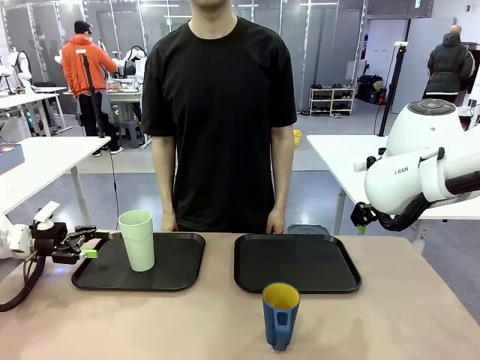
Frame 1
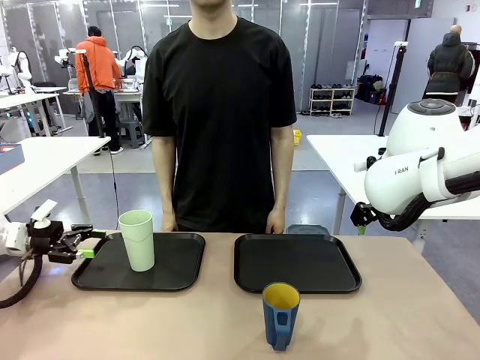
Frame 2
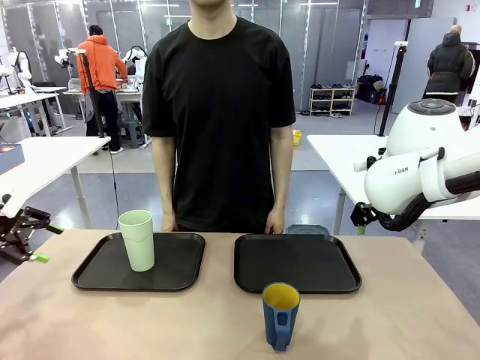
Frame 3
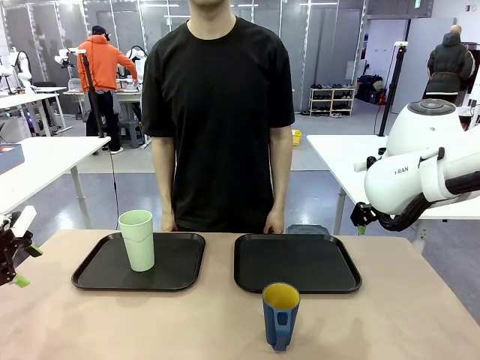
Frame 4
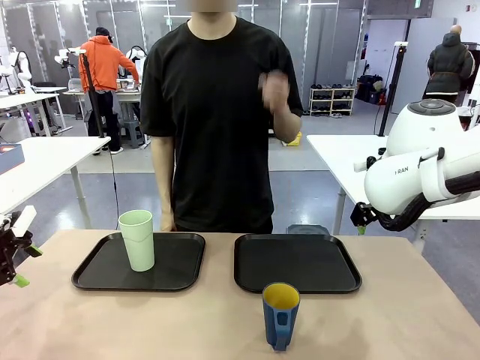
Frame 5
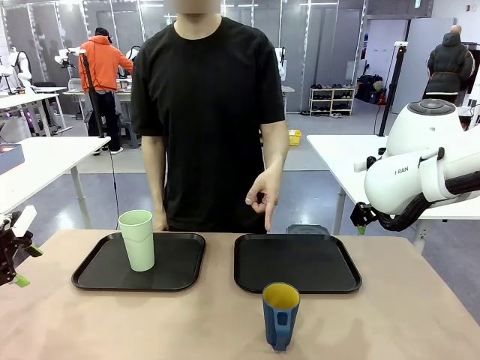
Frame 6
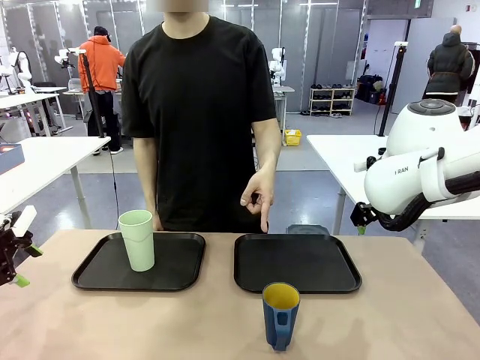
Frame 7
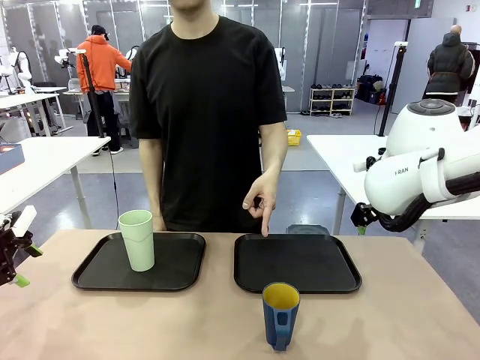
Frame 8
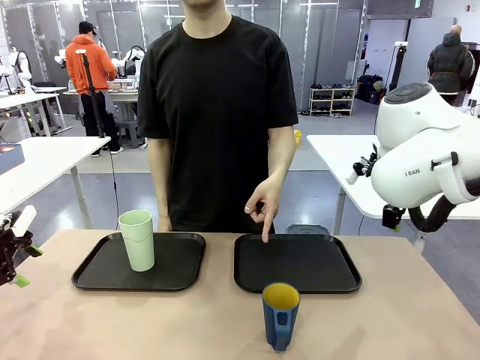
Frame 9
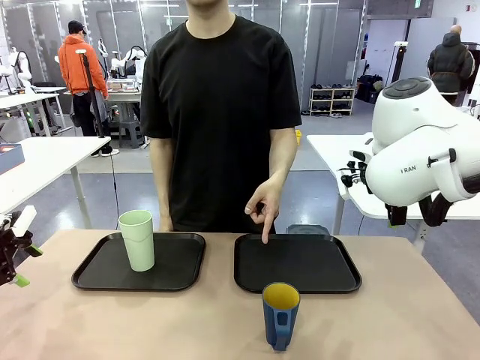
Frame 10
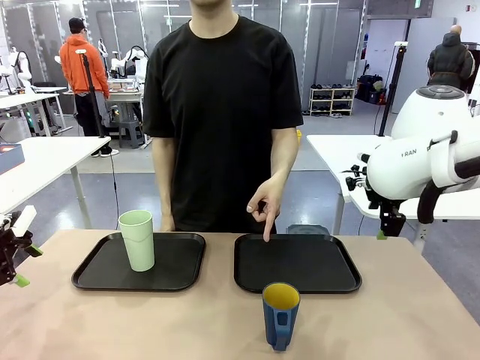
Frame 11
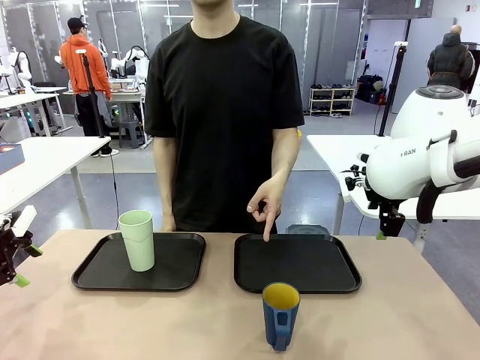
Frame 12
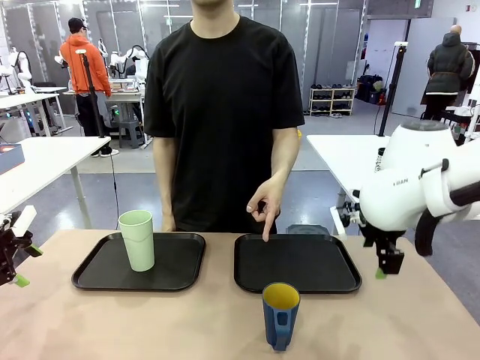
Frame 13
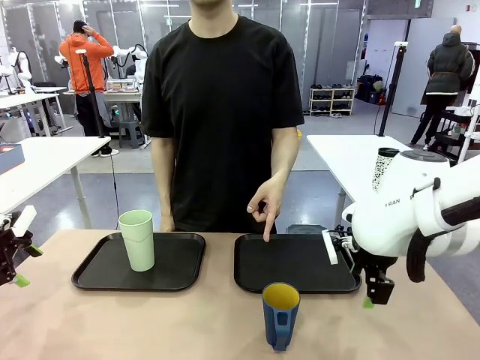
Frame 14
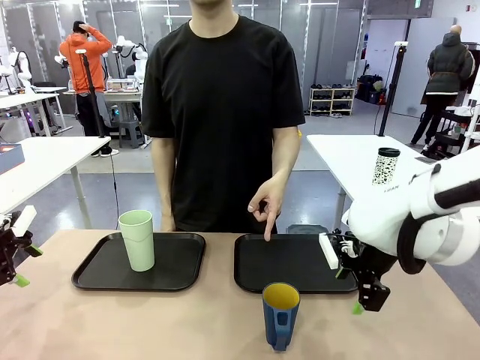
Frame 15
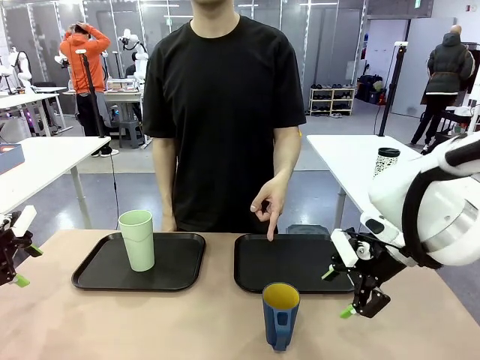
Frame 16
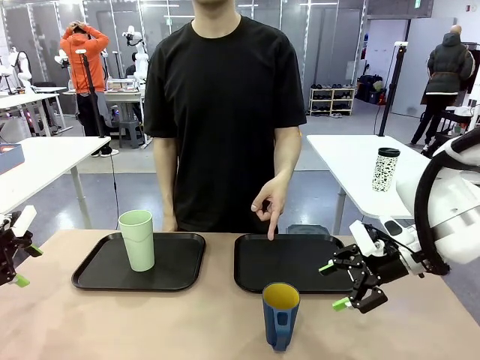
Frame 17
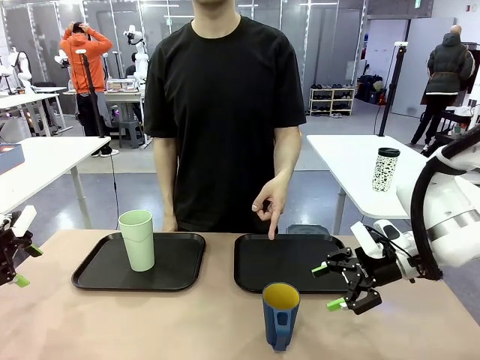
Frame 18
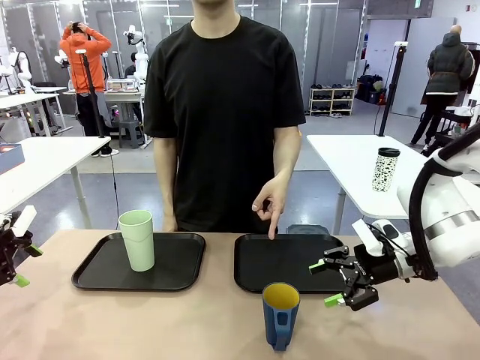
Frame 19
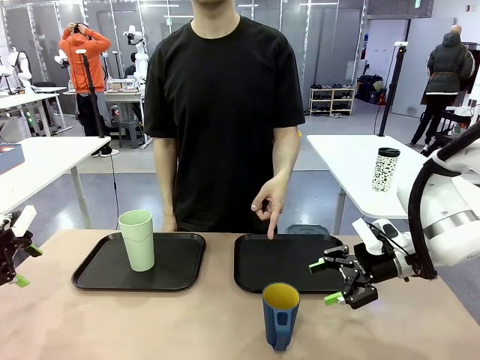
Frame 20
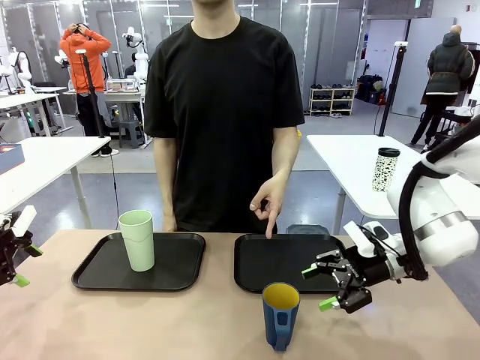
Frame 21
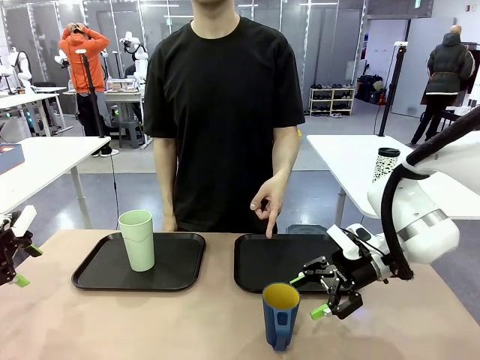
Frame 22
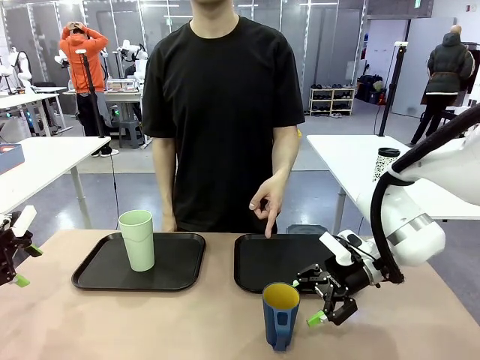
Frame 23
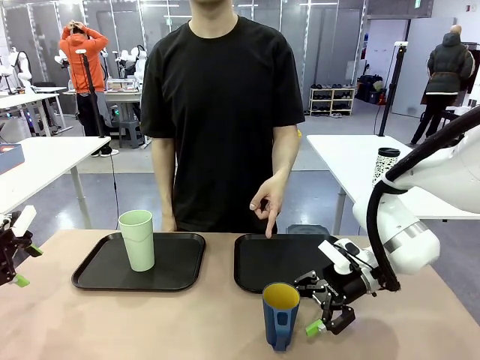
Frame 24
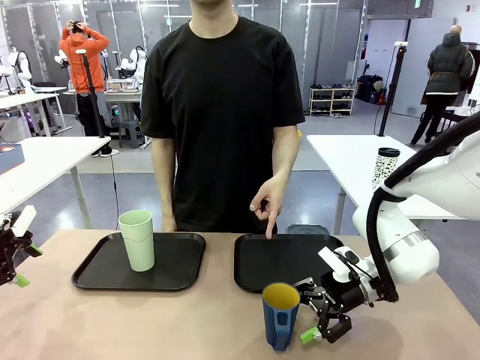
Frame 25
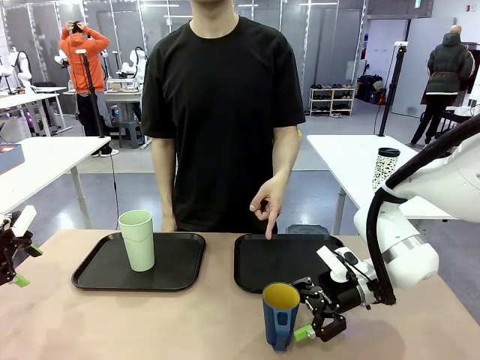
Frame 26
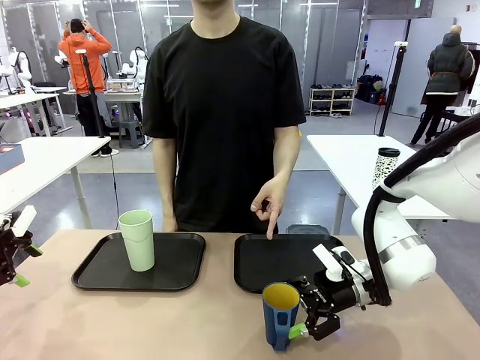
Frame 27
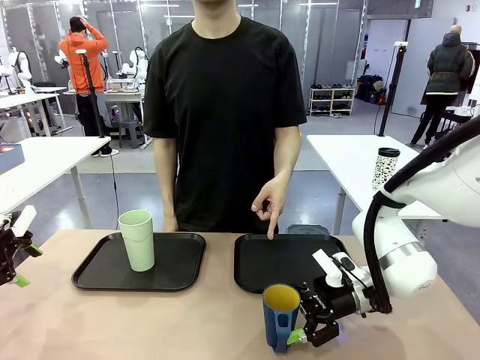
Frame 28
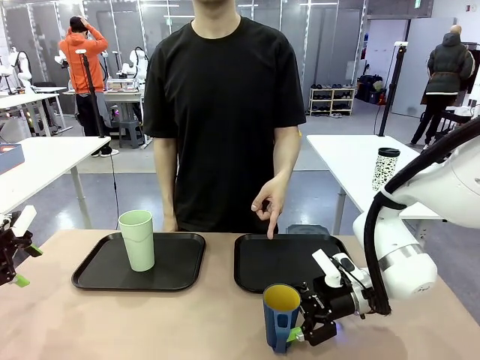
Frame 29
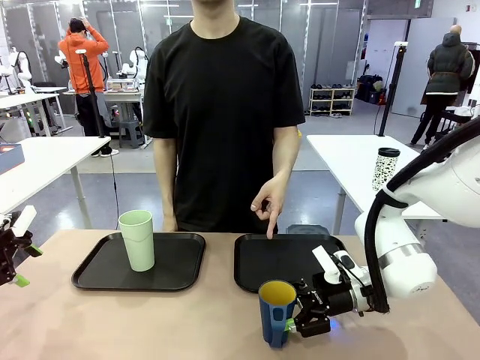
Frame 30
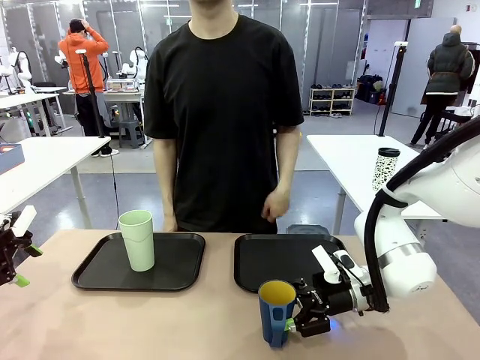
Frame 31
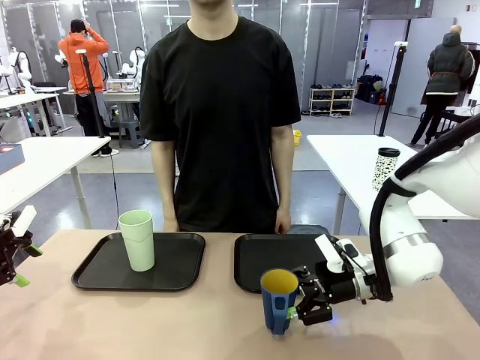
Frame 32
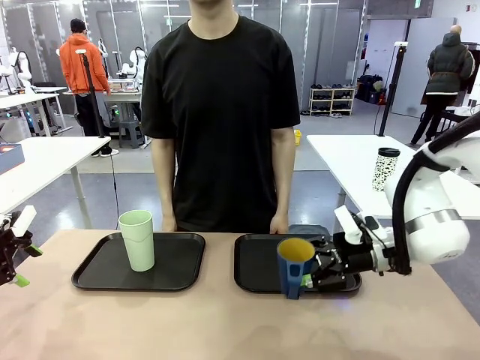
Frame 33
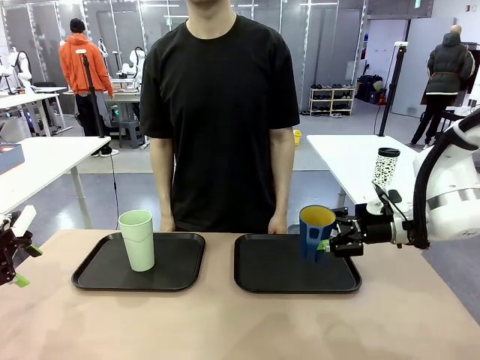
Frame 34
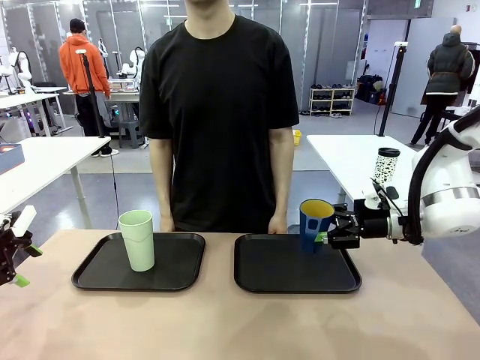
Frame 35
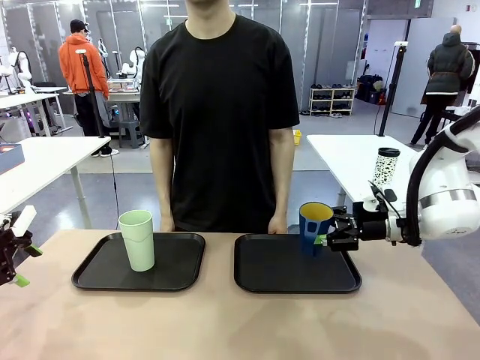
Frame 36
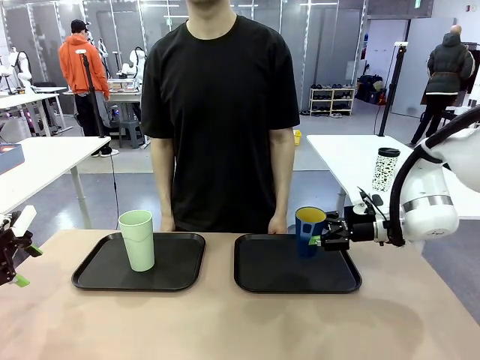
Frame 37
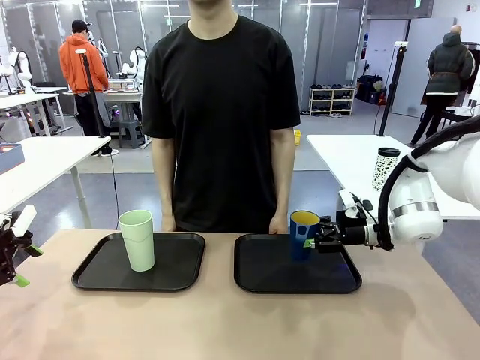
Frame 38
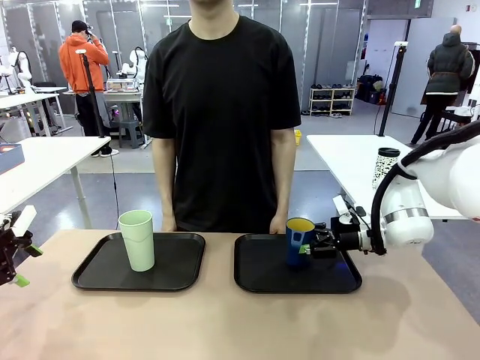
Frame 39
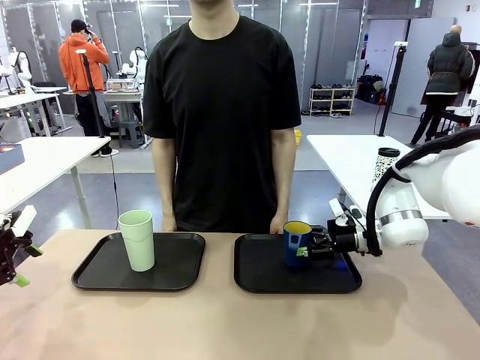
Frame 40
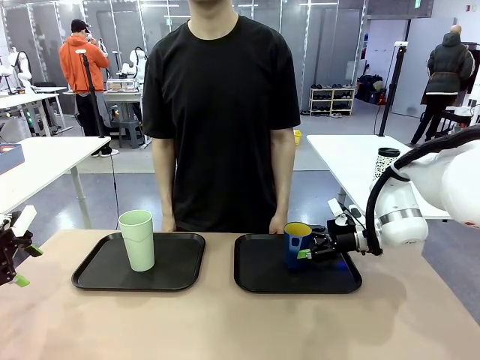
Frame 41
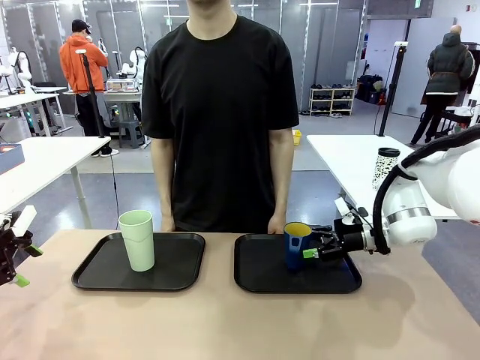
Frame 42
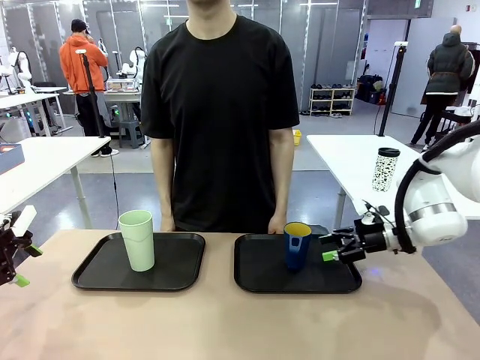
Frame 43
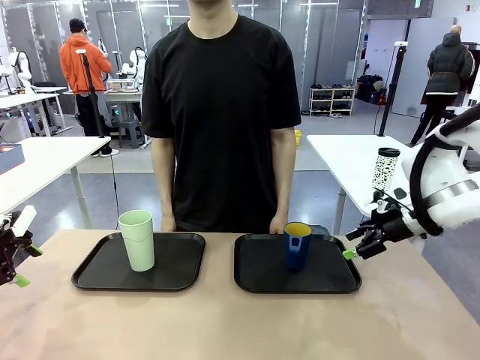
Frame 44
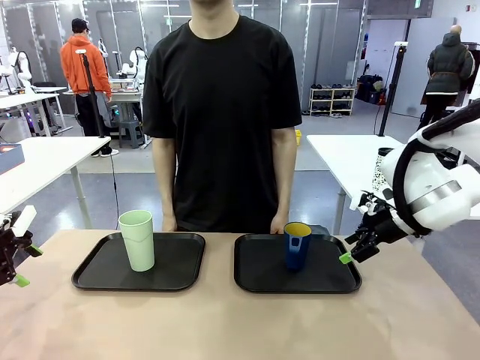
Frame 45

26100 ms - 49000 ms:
Task: Sort and store the cups by type.
Robot: Pick up the Handle plastic cup and place it into the empty Flat Tray.
Person: Points to the cup with a handle.
